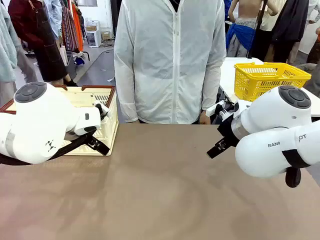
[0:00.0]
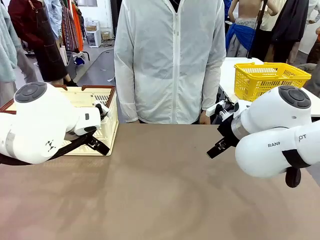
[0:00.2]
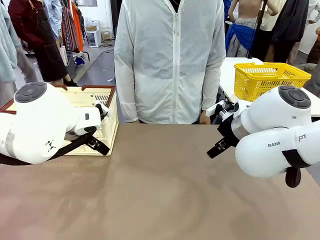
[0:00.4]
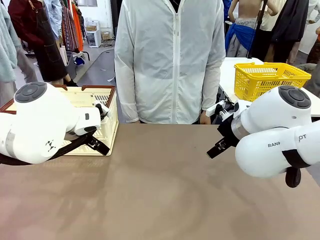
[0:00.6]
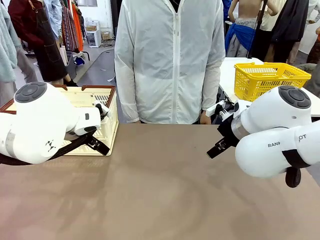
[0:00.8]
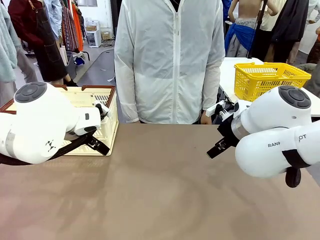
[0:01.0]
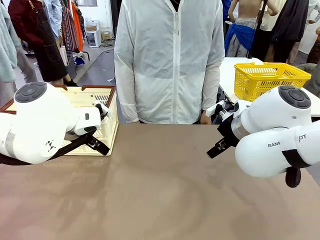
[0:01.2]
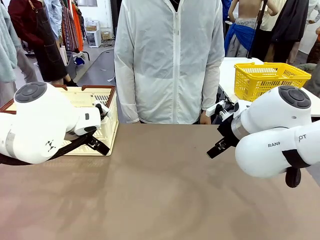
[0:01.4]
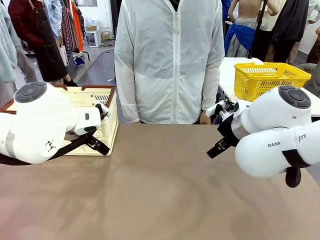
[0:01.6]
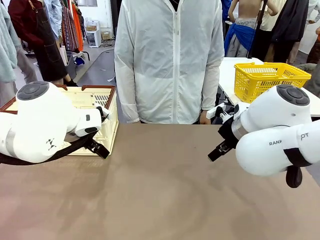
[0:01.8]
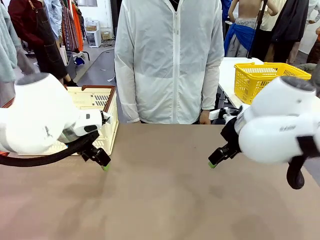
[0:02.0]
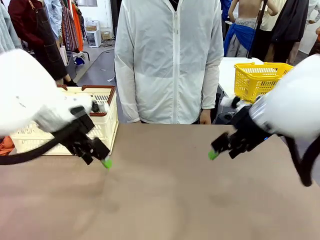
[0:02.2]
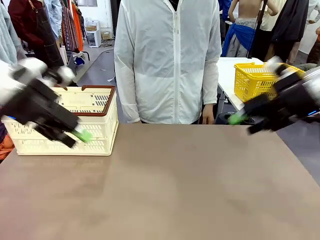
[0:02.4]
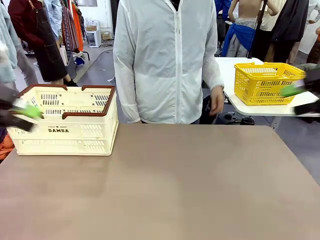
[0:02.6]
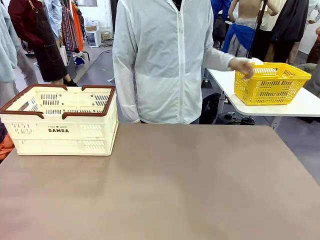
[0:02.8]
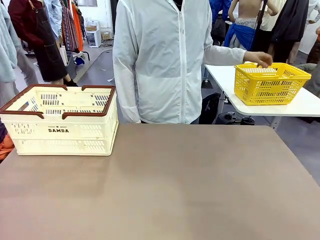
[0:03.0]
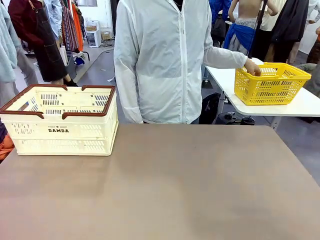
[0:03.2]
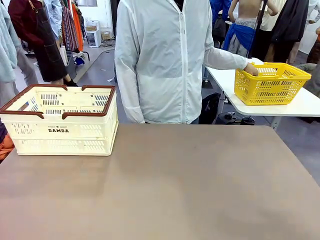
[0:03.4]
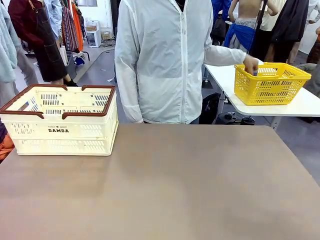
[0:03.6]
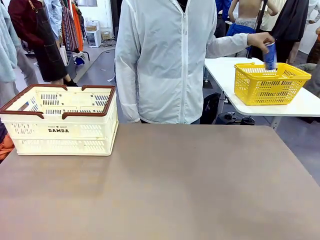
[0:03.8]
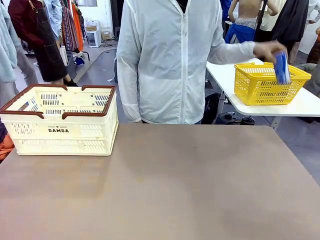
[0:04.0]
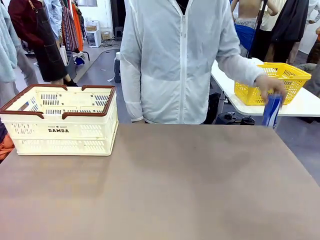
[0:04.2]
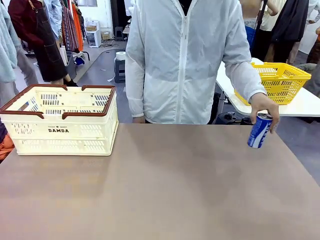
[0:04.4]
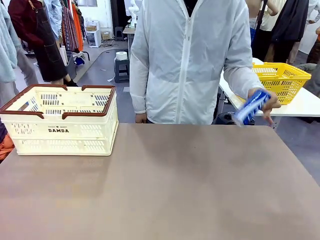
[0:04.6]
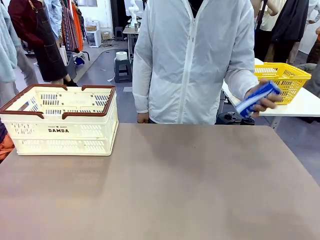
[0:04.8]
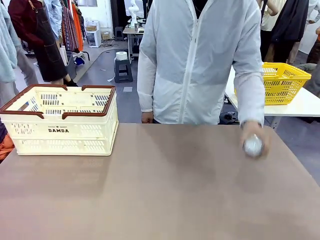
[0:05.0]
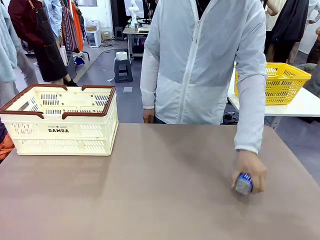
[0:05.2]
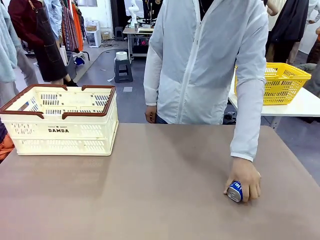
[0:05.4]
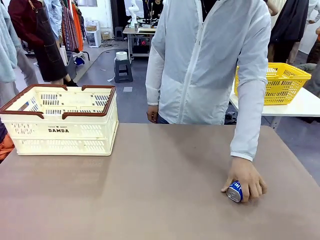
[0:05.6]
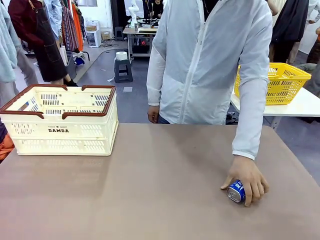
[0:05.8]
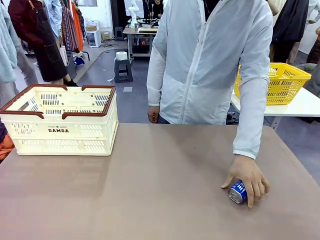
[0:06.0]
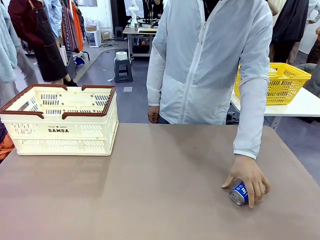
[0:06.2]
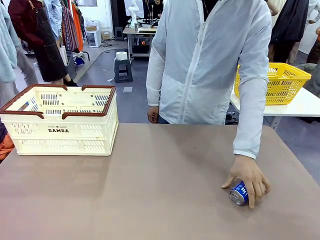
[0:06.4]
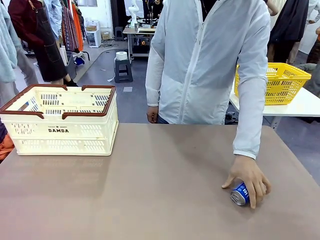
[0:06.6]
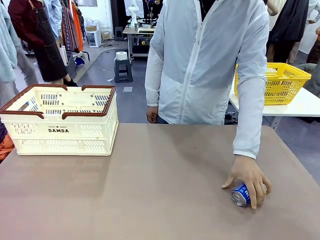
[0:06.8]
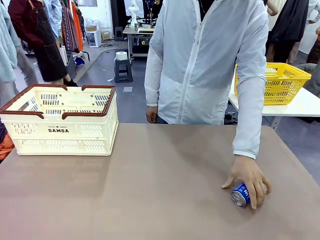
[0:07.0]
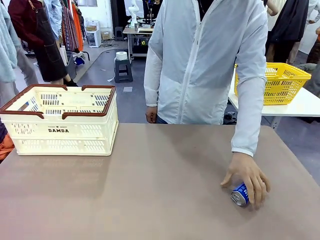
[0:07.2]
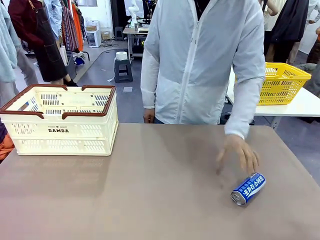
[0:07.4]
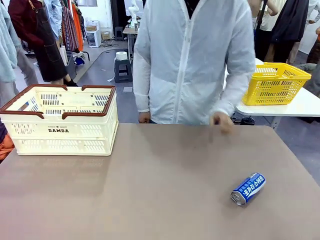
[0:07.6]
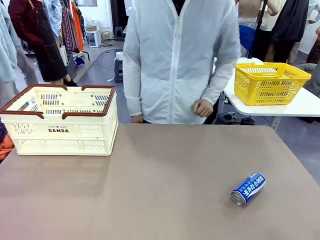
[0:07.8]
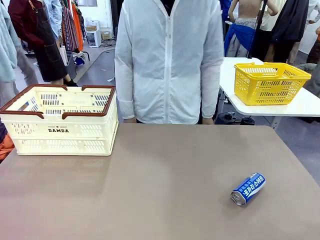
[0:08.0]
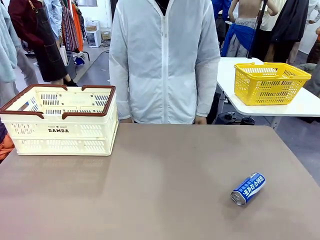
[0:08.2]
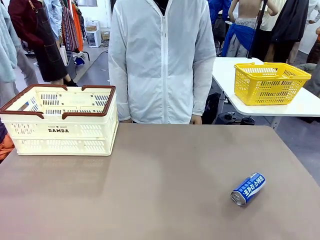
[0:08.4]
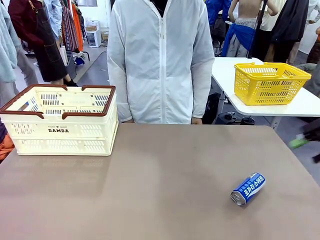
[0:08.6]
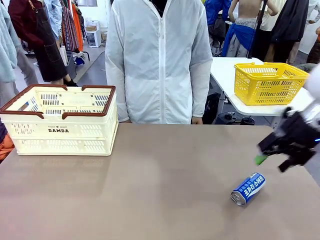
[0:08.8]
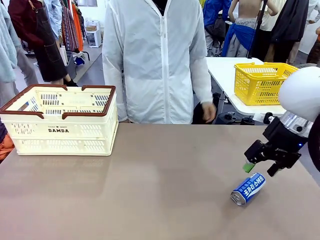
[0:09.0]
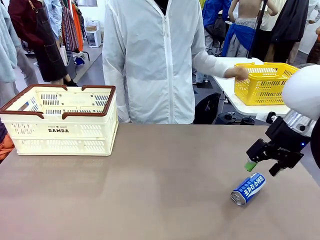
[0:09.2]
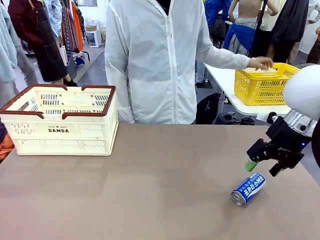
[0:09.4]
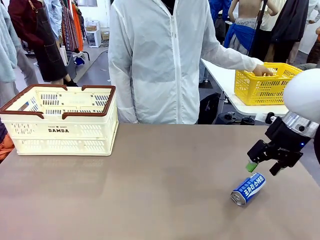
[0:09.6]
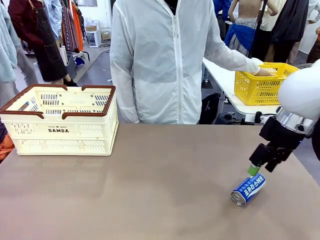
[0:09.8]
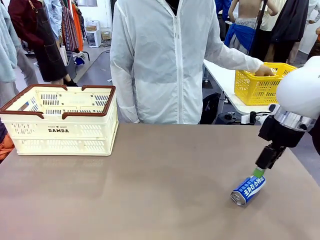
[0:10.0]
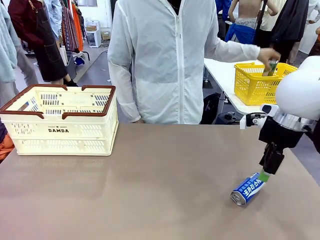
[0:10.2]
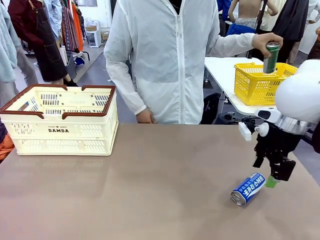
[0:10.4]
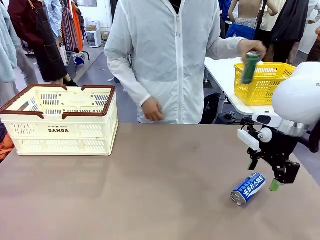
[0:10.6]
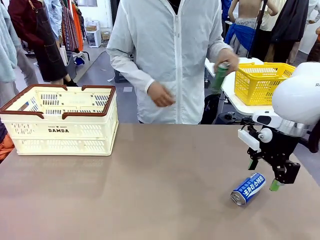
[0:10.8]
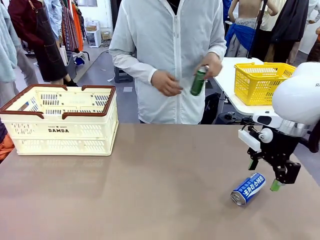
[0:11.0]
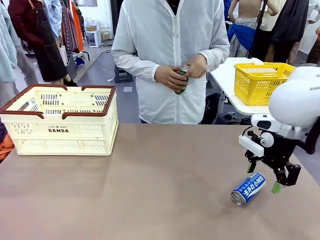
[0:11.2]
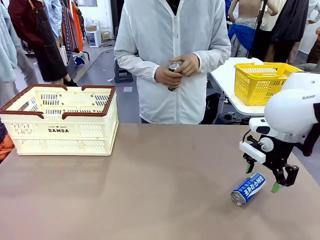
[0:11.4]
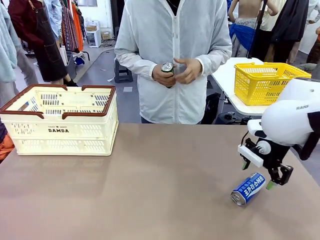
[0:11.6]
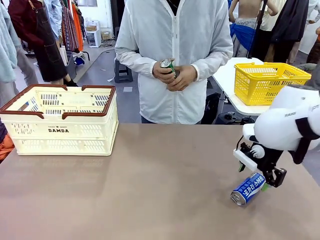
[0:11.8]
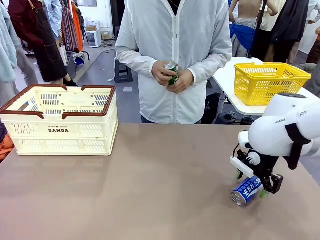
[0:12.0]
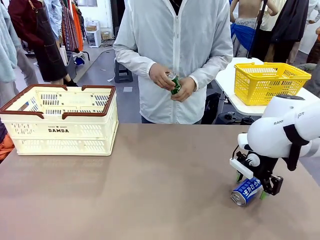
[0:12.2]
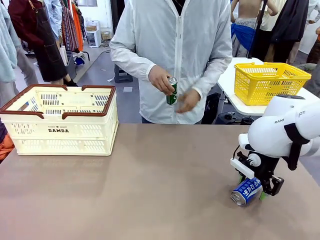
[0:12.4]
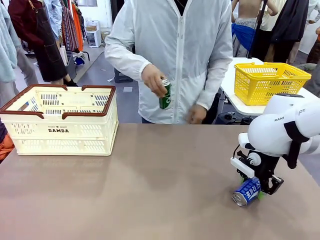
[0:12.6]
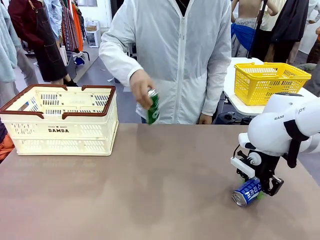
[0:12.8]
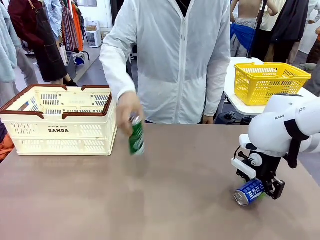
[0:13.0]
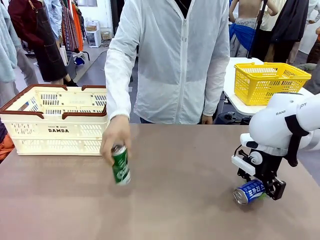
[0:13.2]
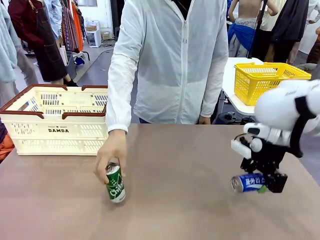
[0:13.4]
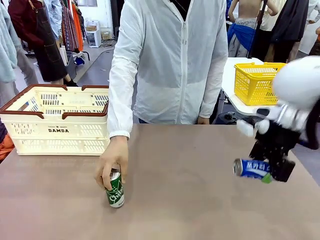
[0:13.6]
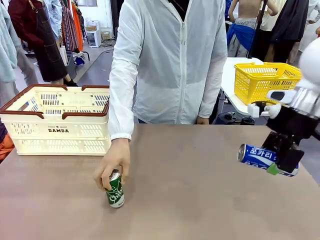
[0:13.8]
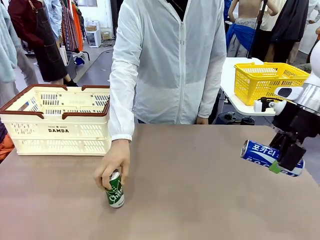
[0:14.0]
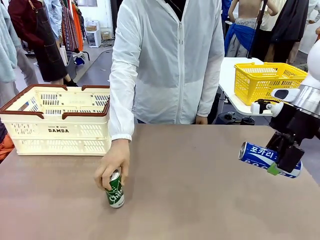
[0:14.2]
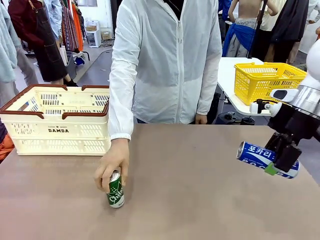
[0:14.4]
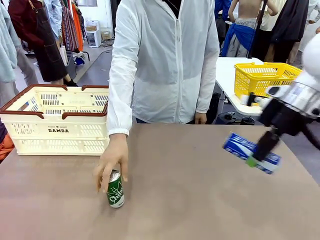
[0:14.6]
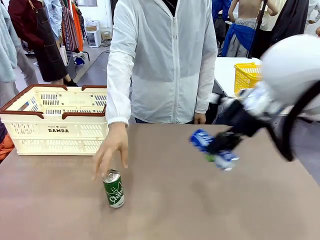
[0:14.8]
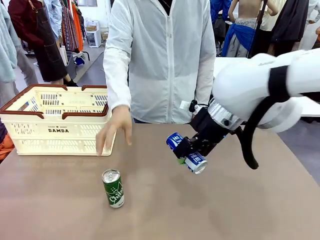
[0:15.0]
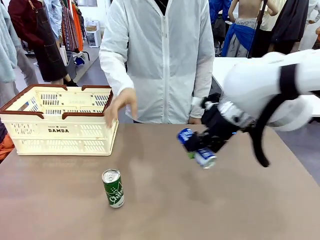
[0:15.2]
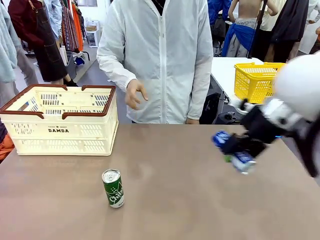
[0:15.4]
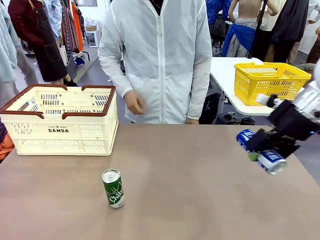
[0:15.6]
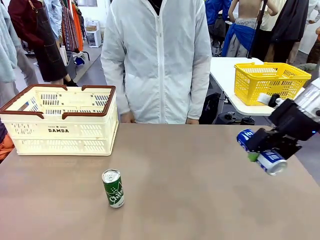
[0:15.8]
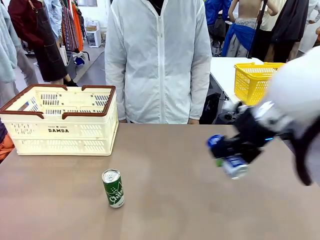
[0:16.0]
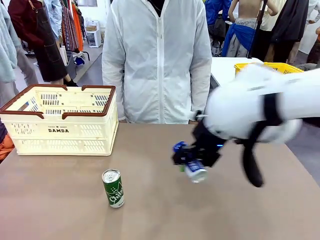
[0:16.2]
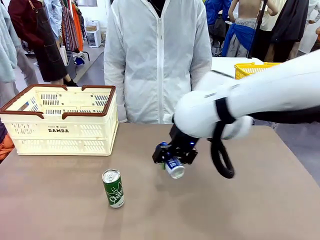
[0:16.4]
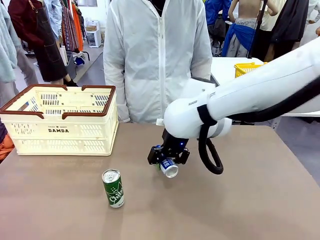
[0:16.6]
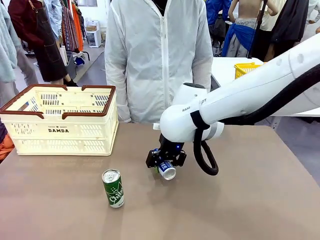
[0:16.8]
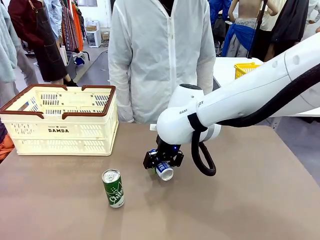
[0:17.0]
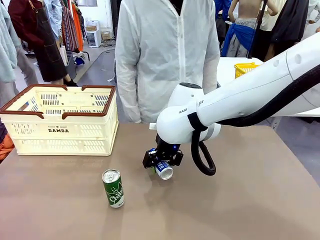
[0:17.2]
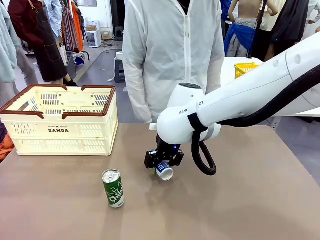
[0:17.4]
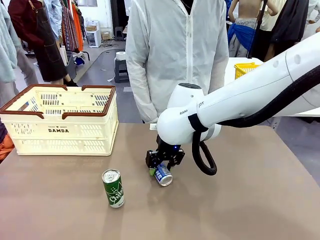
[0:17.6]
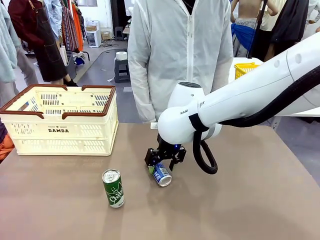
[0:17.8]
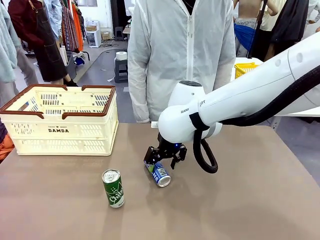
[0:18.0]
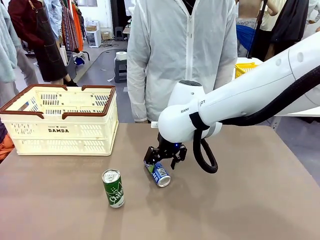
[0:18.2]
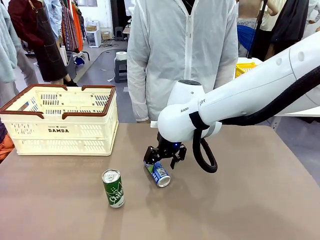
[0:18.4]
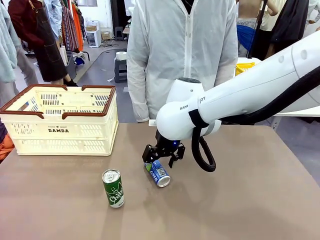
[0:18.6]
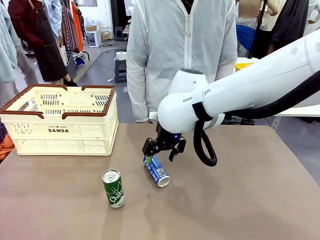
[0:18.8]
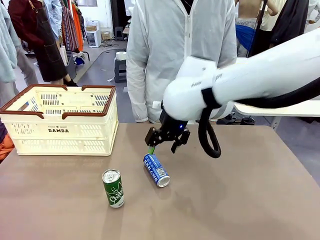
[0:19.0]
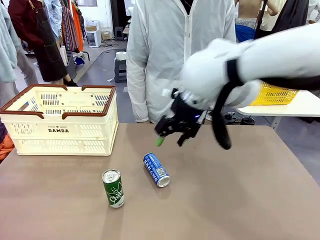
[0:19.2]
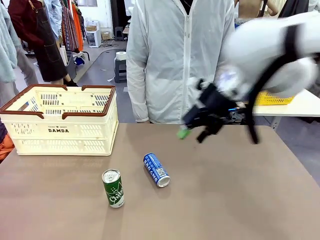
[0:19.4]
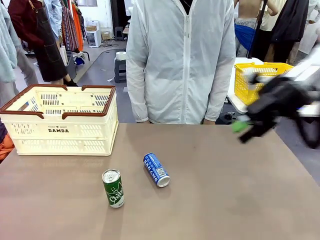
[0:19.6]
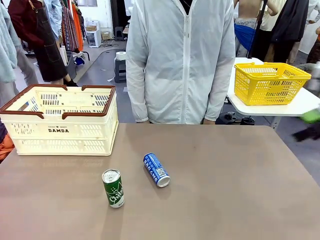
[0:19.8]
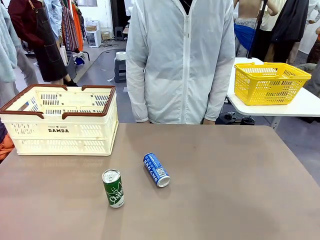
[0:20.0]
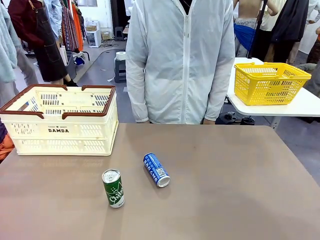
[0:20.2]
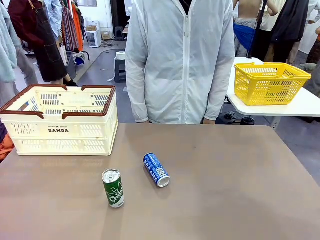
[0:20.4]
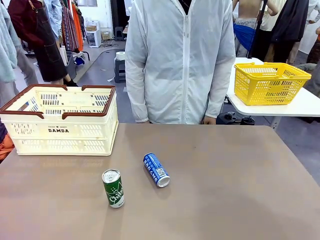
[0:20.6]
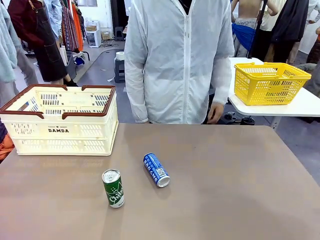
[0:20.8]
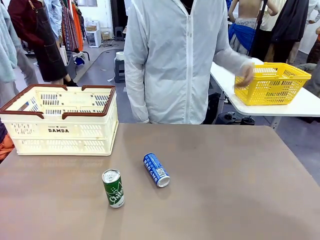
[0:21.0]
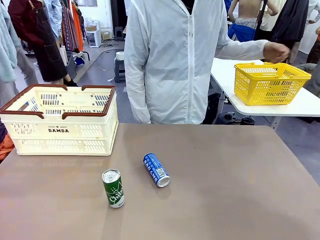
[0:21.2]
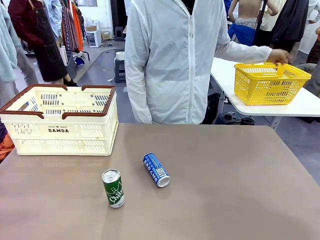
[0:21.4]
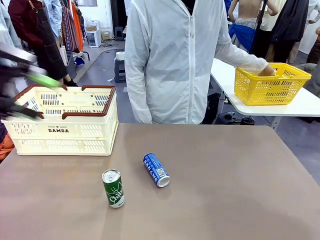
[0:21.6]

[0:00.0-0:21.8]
Task: Place the drinks into the Shopping basket.
Robot: Pick up one drink and place it into the Shopping basket.
